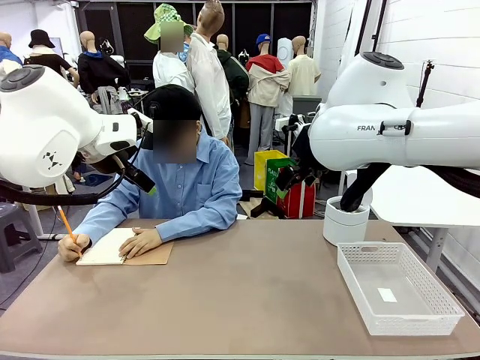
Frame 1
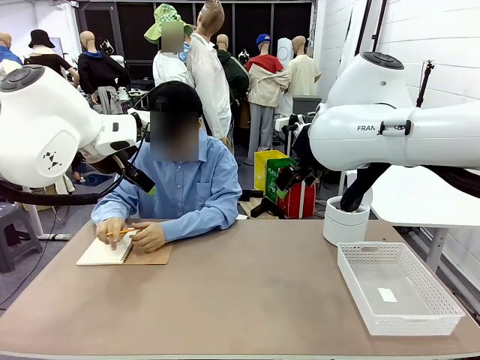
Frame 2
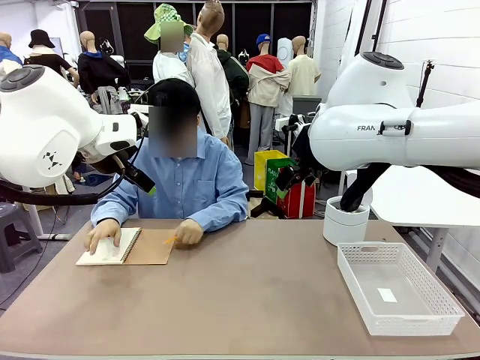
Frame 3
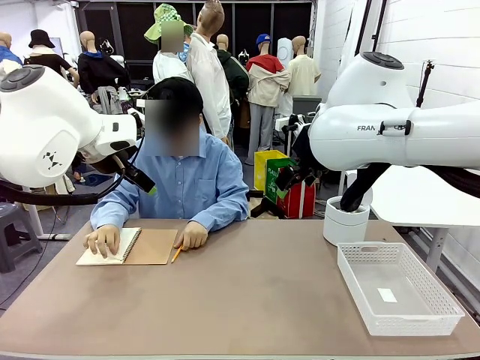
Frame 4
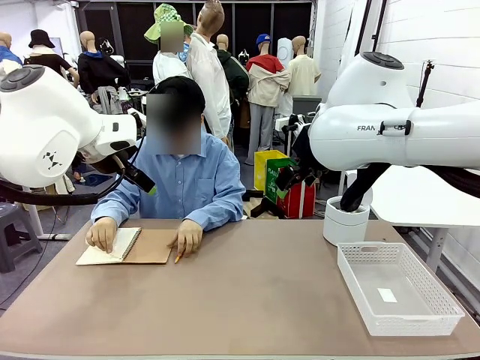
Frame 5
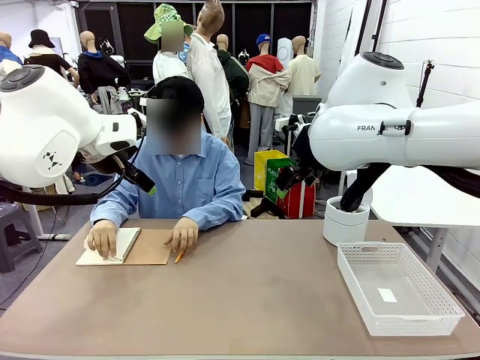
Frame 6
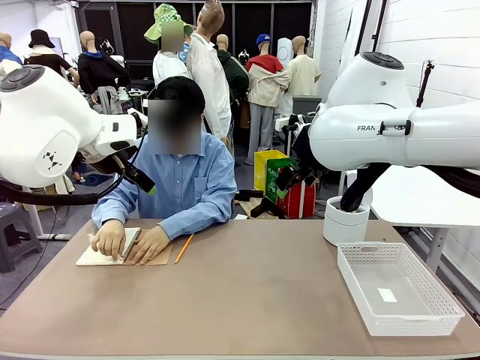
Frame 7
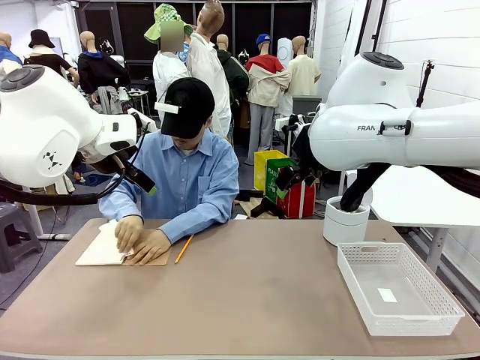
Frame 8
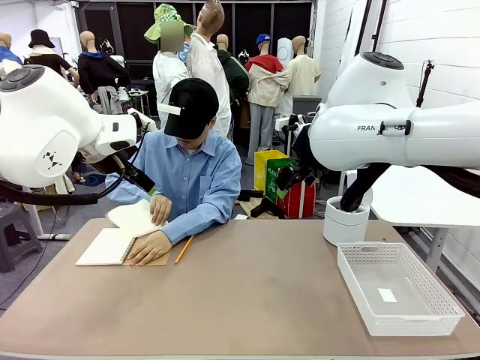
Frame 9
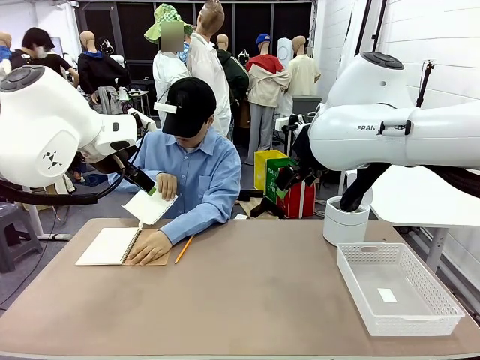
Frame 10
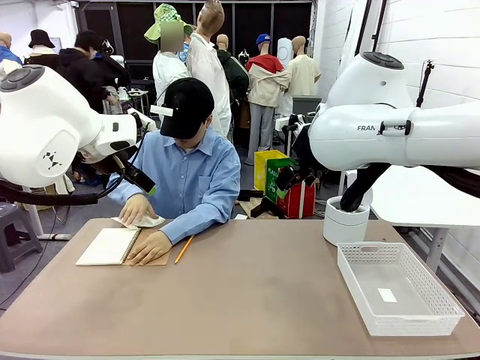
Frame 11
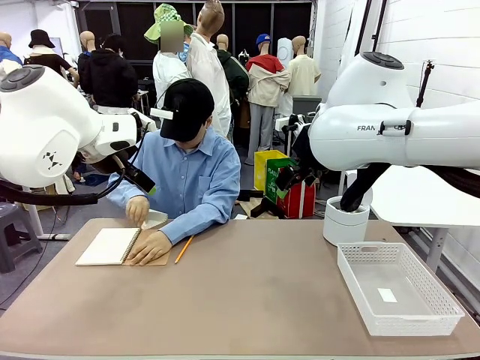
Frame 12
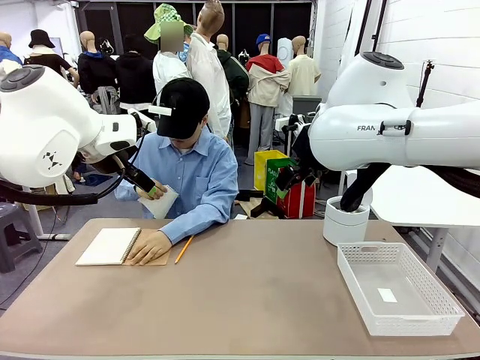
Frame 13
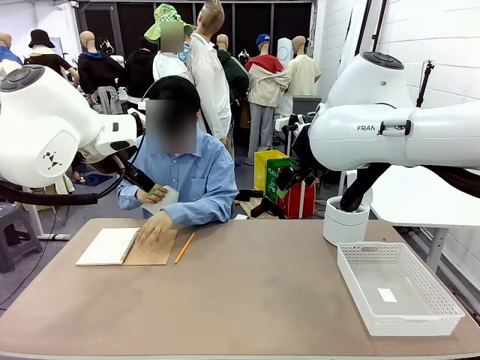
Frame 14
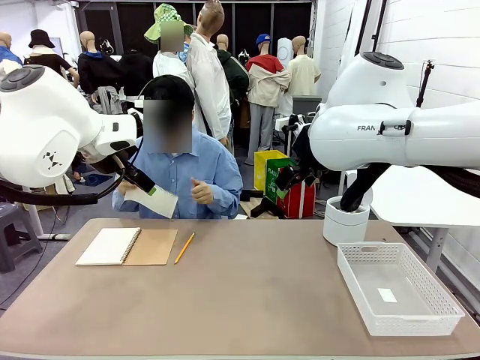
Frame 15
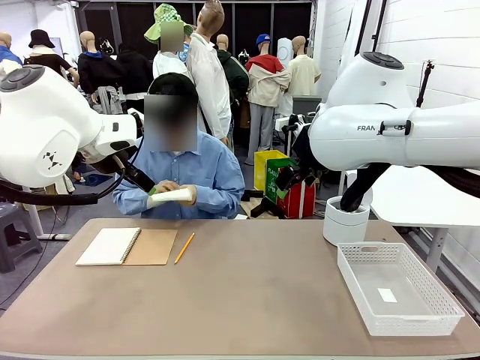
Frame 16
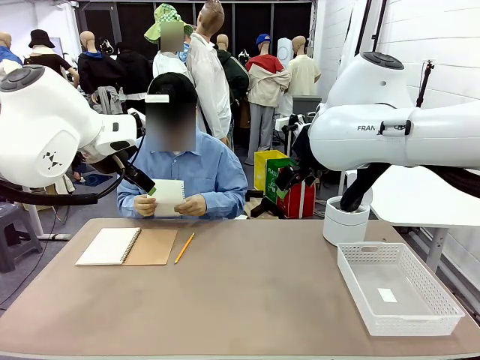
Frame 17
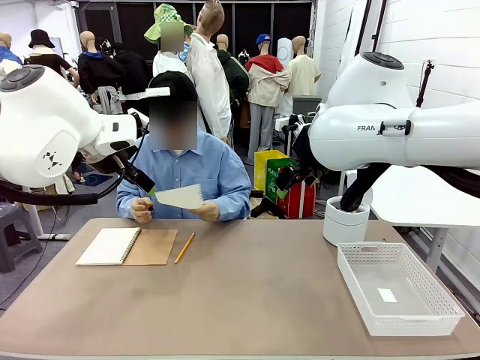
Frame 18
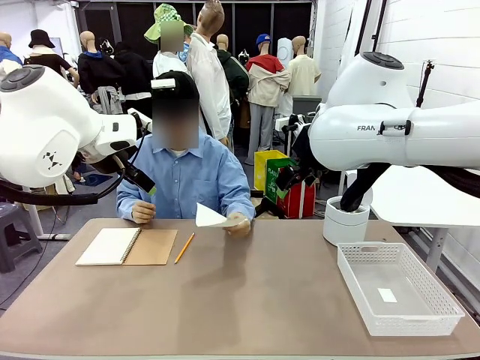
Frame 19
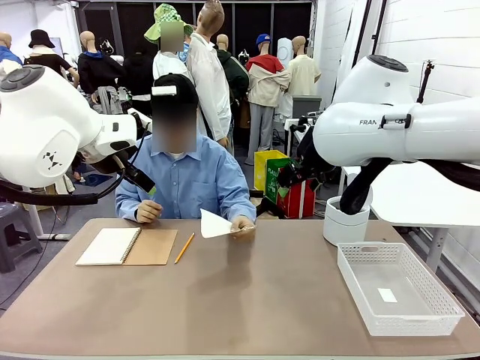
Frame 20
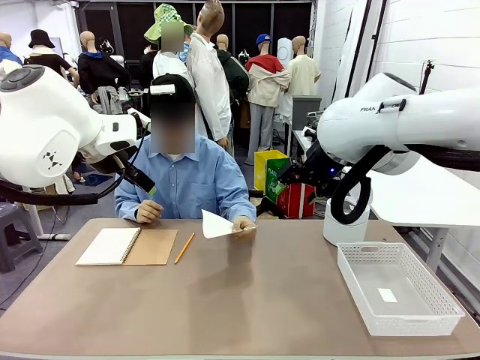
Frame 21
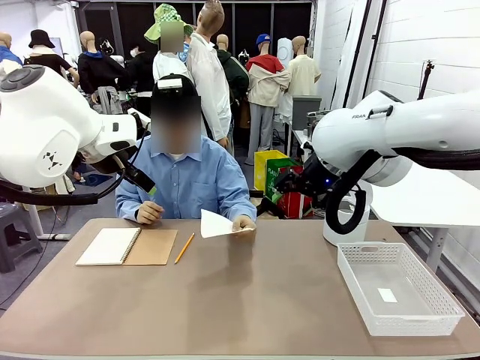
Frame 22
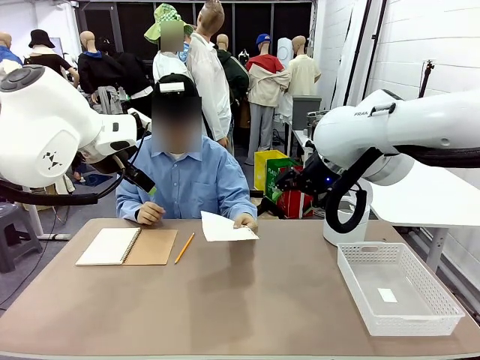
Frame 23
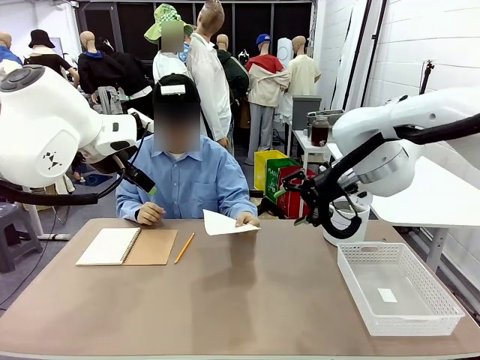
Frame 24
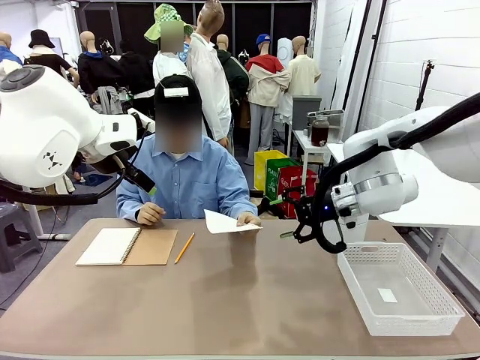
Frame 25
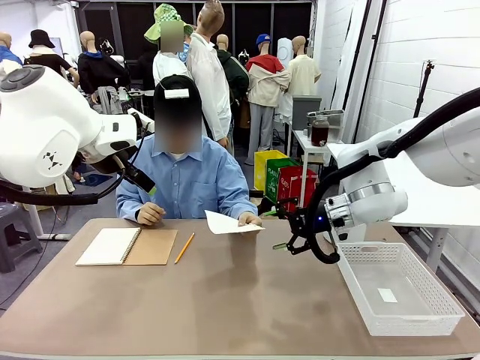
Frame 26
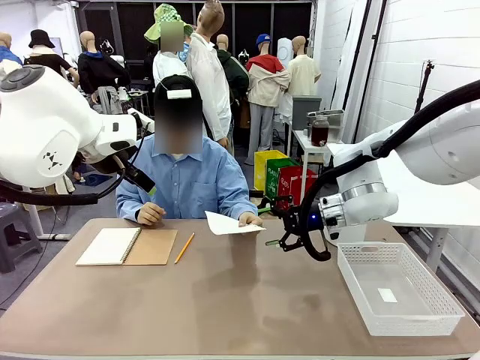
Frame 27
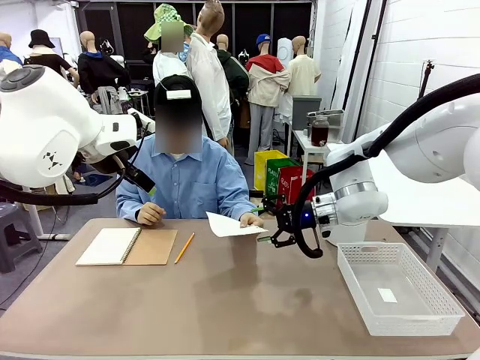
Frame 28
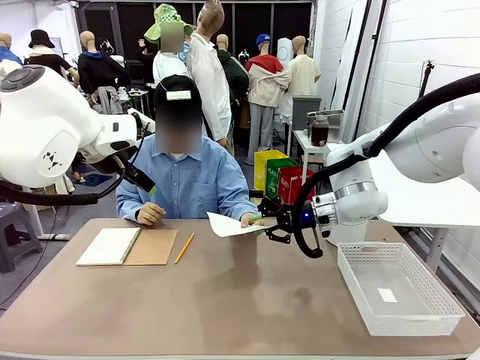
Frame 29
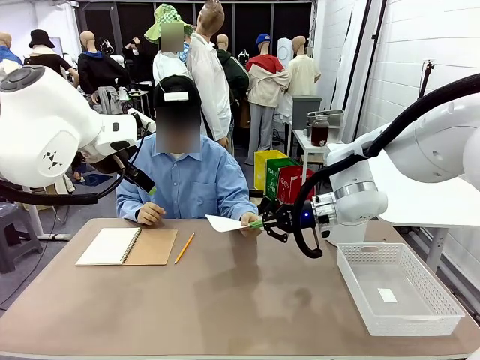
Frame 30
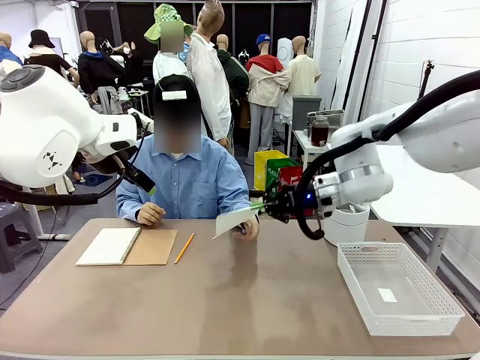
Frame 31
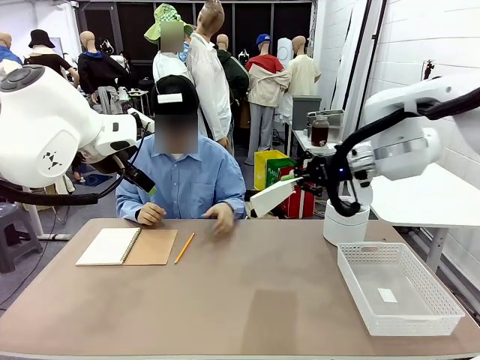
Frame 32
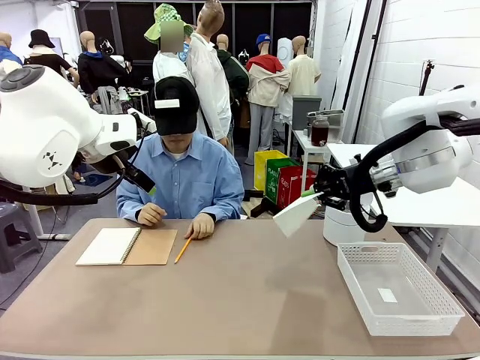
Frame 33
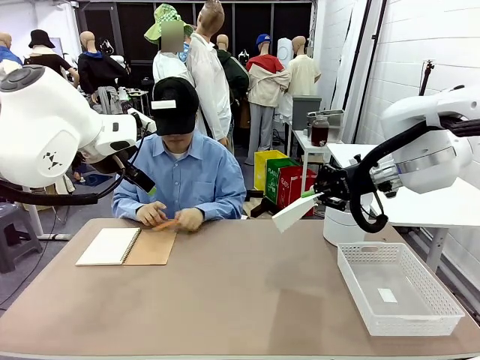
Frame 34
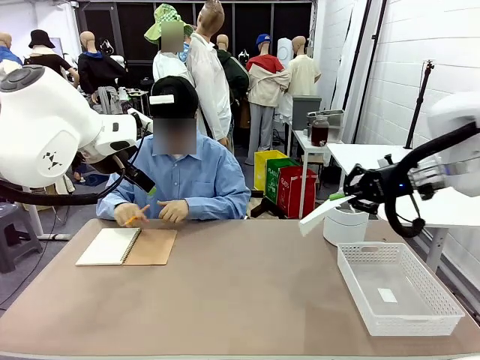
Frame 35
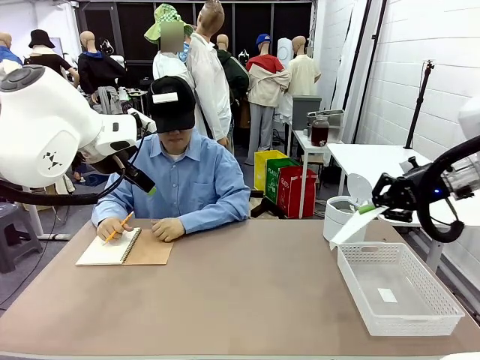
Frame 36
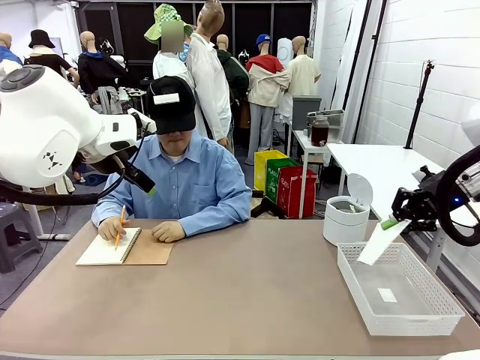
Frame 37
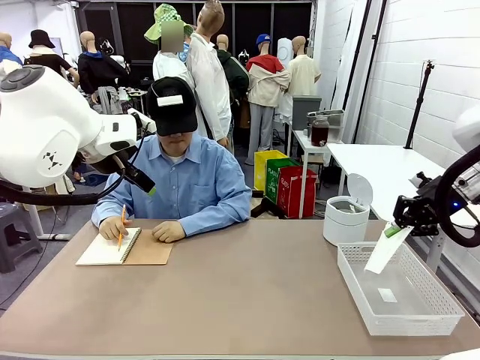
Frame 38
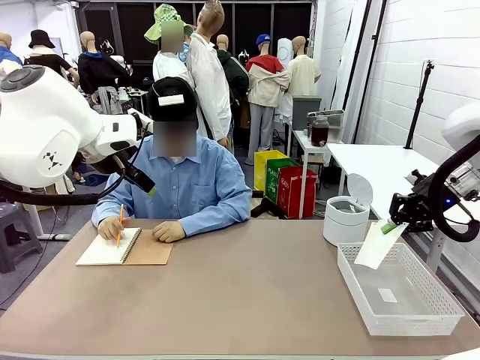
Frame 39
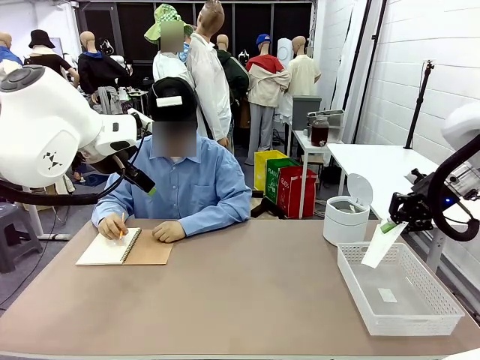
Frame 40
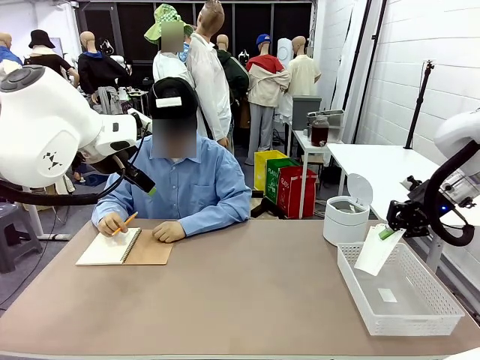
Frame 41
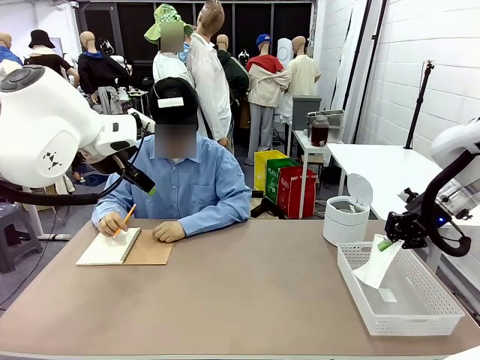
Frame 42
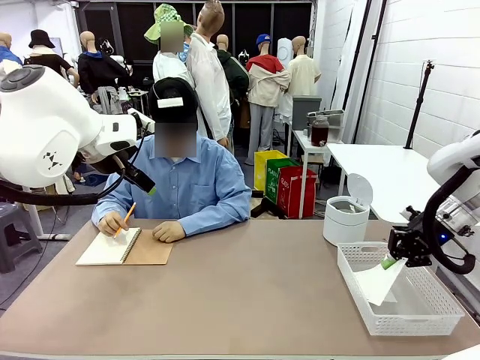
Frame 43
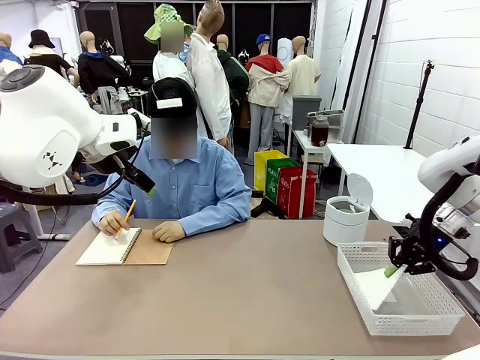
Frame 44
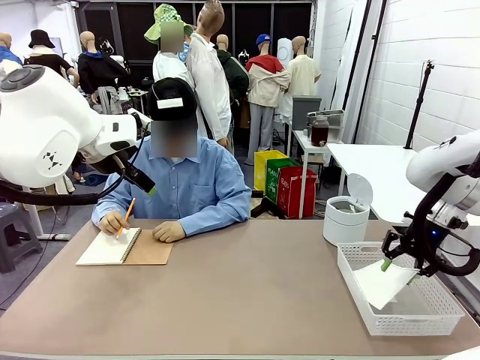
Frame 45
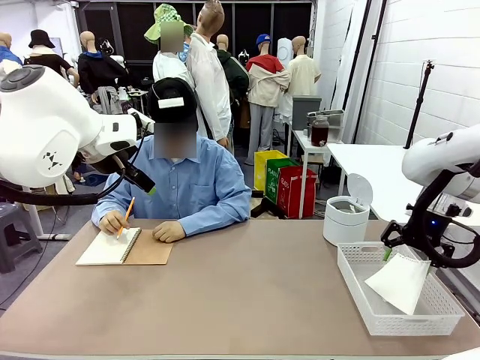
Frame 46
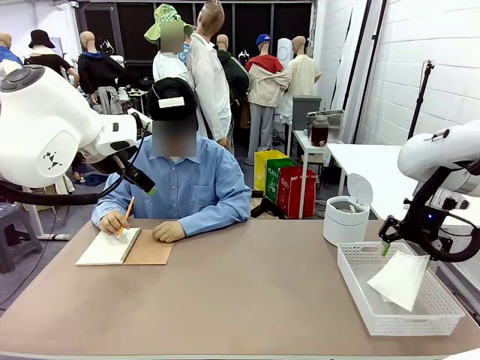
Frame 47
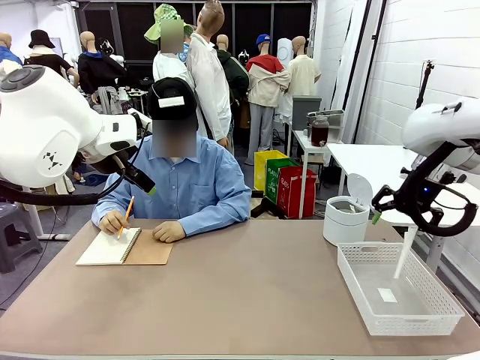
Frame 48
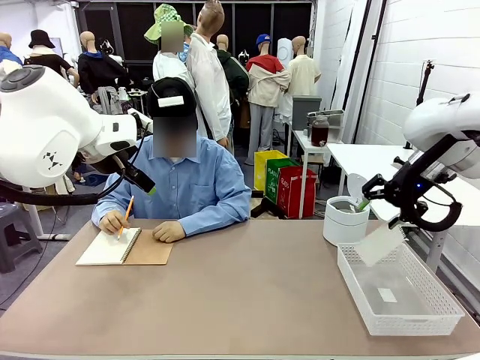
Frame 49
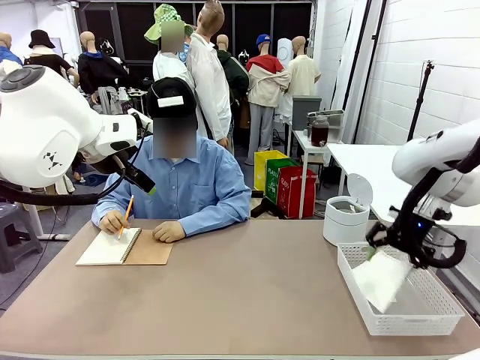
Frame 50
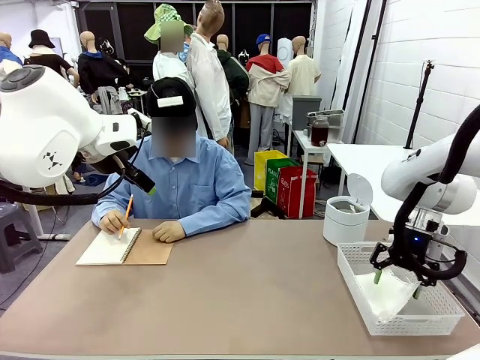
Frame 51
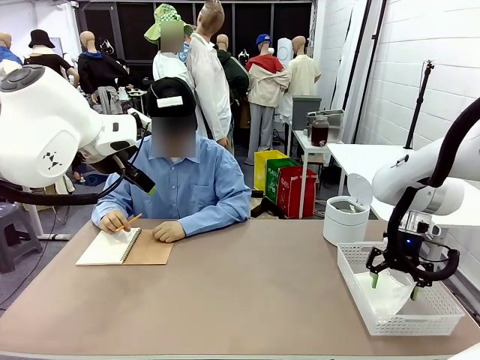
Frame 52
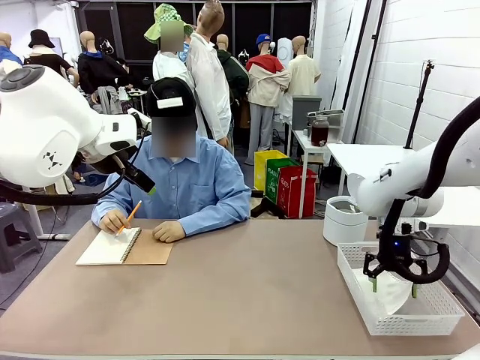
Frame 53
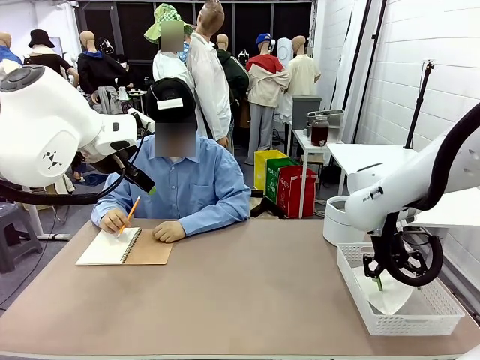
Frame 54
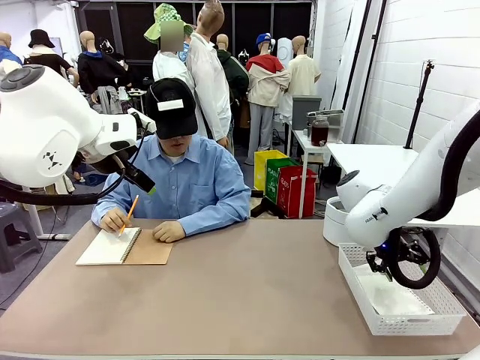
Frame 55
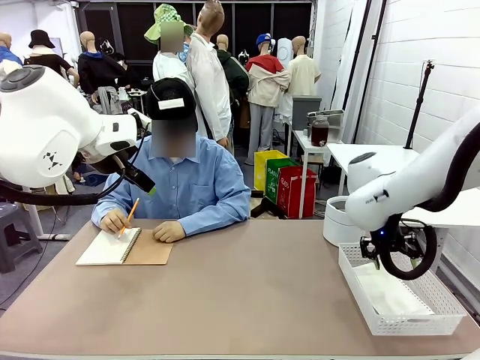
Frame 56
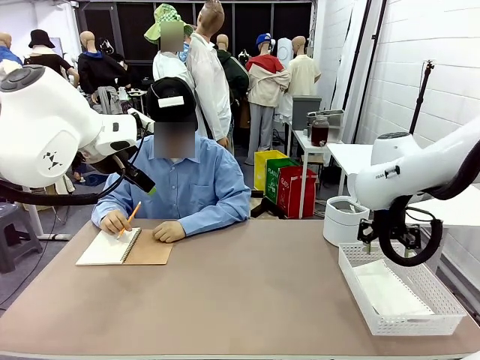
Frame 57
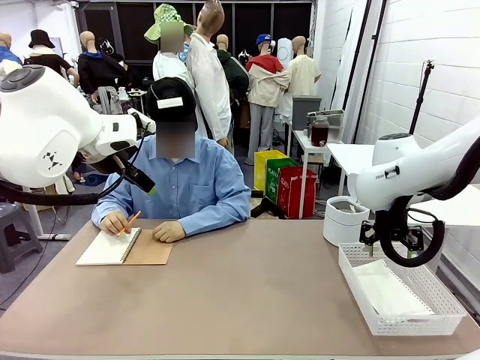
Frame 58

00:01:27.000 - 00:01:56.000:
Task: Sort the paper based on its condition.
Robot: If a person hands you a paper, place it in the Organizing basket , and if it's crumpled, put it in the Trash can.
Person: Hand the torn page to the robot or crumple it and throw it to the center of the table.
